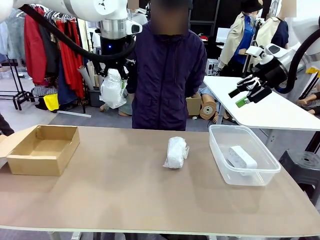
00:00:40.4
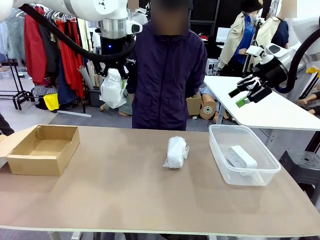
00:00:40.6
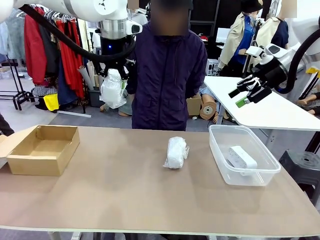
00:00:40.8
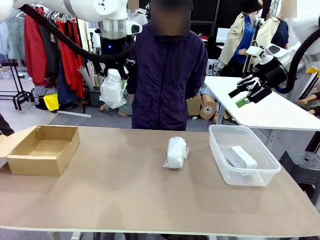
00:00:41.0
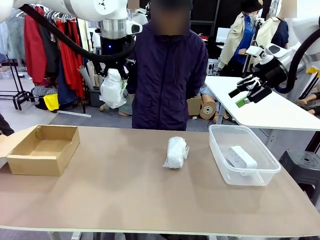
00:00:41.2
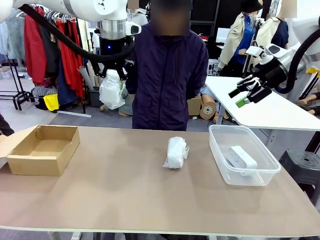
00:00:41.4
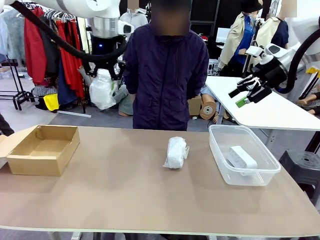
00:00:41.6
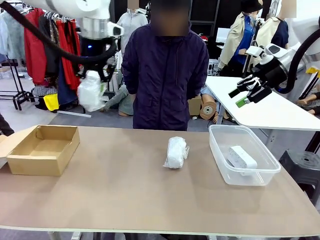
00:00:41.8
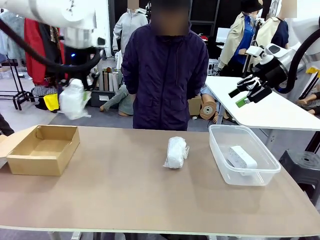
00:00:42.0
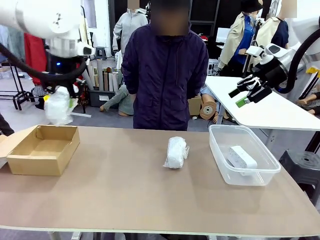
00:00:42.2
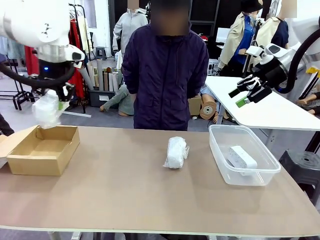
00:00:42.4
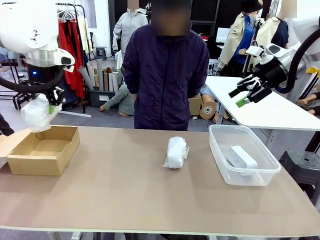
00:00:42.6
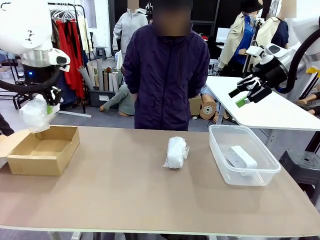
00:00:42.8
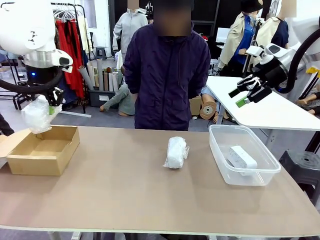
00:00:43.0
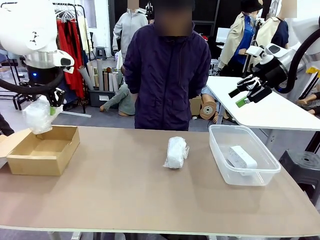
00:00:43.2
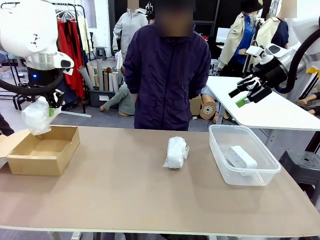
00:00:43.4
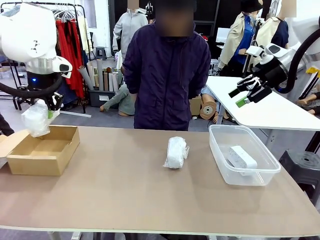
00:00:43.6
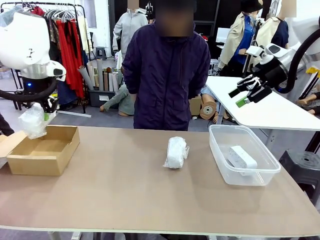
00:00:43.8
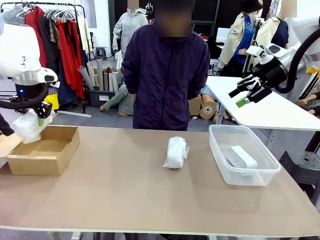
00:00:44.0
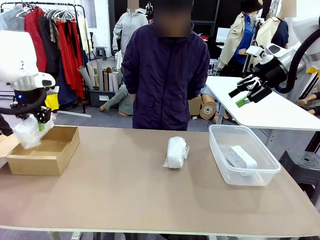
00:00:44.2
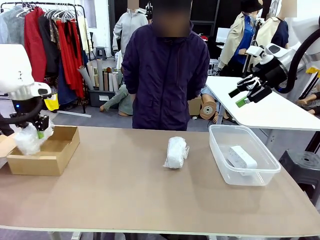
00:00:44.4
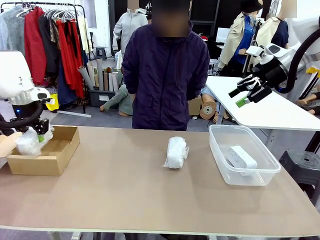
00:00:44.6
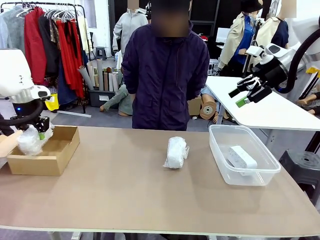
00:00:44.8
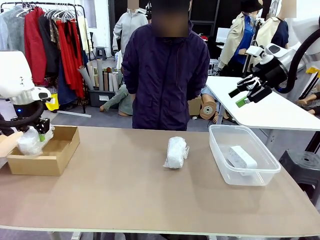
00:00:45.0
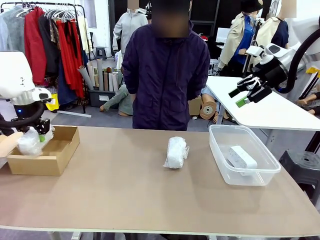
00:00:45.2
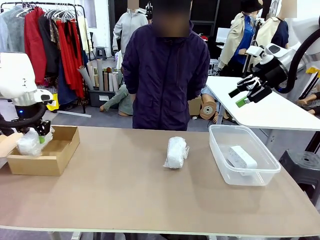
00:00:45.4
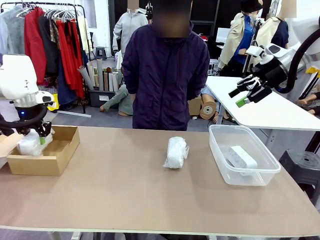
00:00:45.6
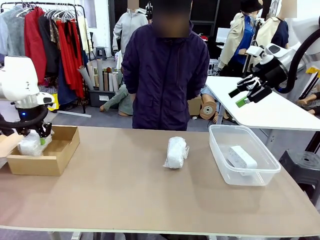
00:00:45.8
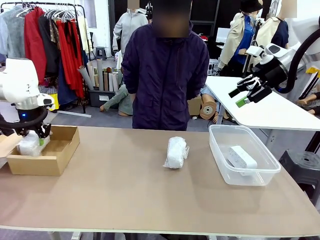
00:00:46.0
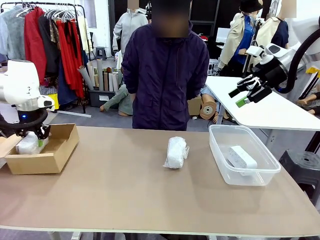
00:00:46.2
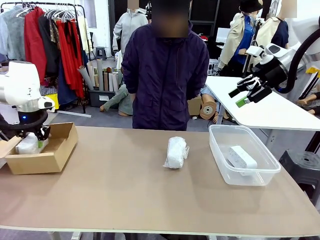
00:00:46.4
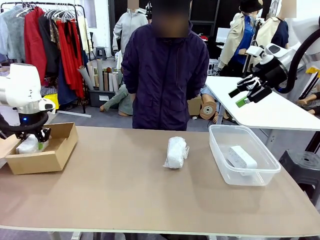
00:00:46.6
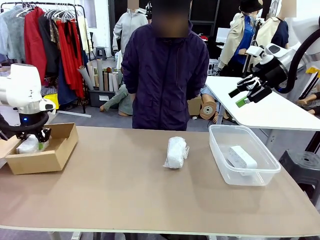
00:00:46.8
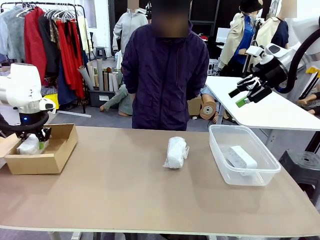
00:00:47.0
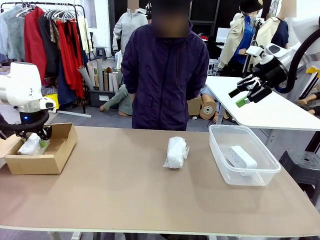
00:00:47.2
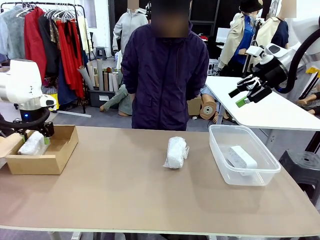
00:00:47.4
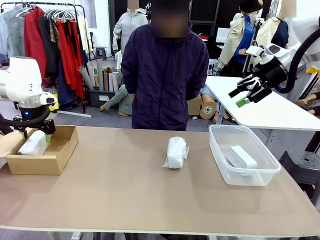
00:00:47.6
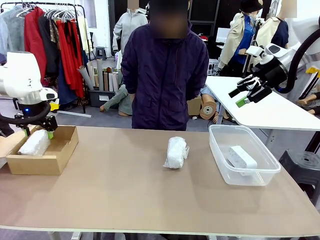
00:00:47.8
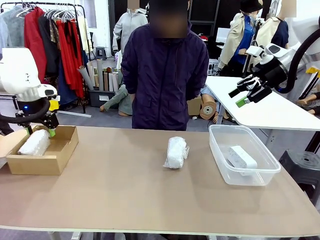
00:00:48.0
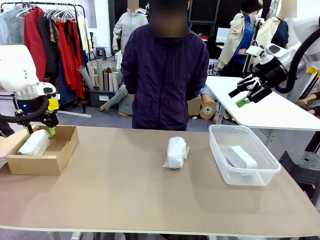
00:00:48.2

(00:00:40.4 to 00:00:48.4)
Task: Separate and place wrapped and unwrapped clocks.
Robot: If the picked Digital clock is wrapped, place it in the Package Box ; if not, place it in the Organizing box.

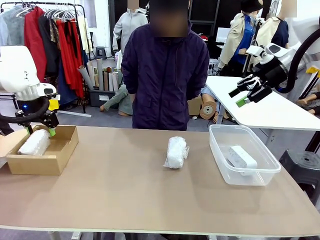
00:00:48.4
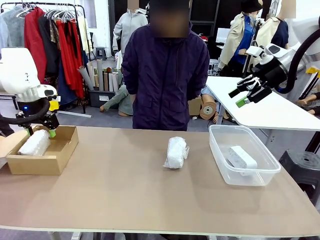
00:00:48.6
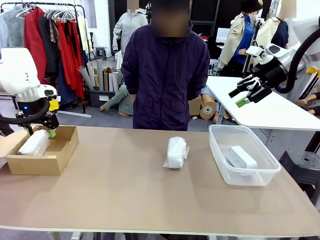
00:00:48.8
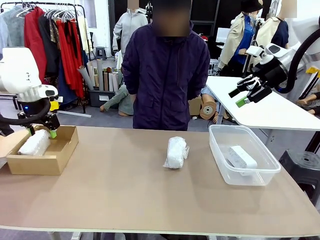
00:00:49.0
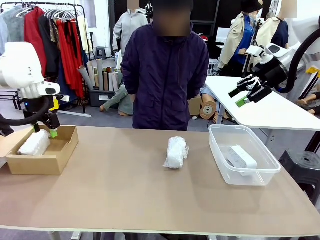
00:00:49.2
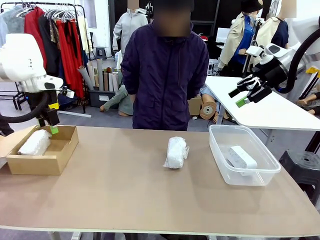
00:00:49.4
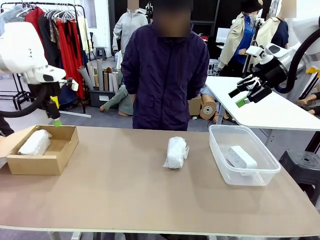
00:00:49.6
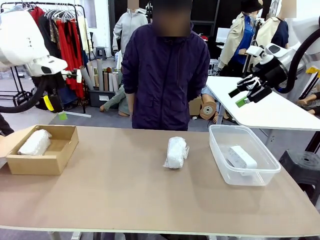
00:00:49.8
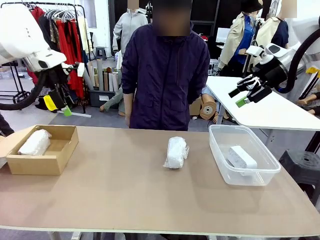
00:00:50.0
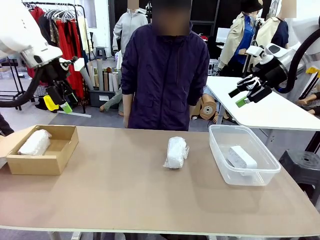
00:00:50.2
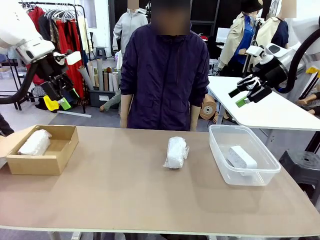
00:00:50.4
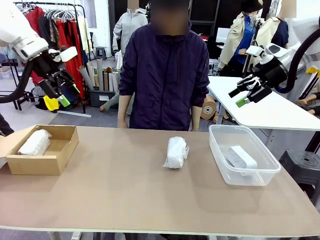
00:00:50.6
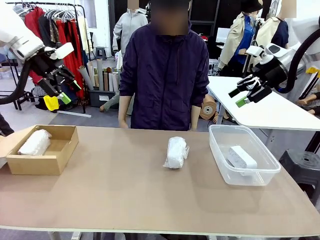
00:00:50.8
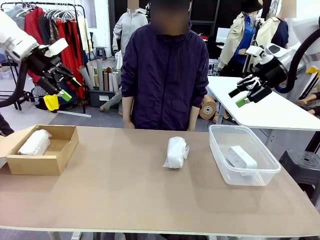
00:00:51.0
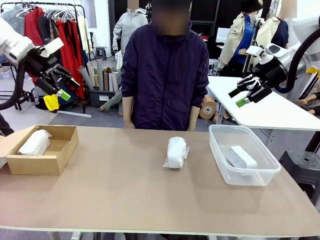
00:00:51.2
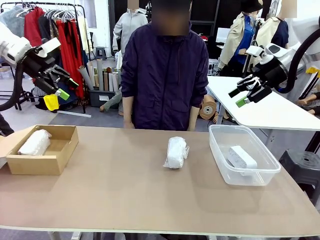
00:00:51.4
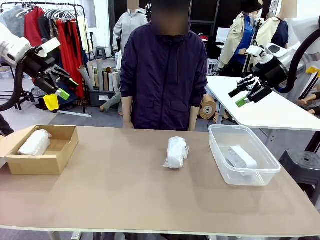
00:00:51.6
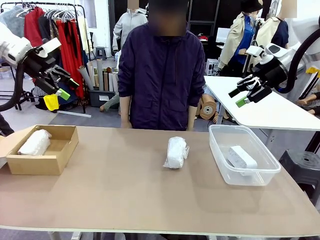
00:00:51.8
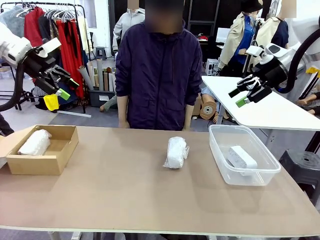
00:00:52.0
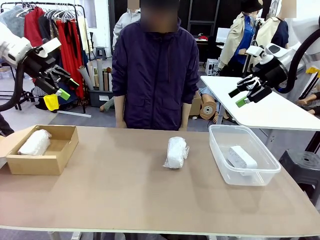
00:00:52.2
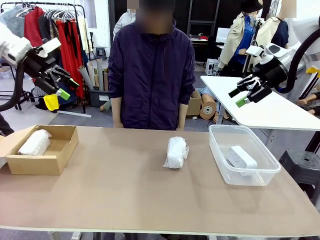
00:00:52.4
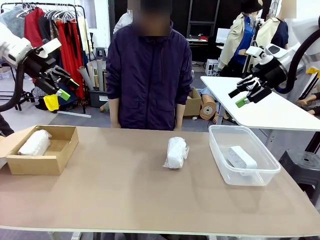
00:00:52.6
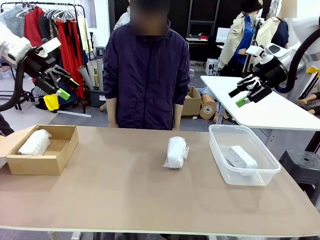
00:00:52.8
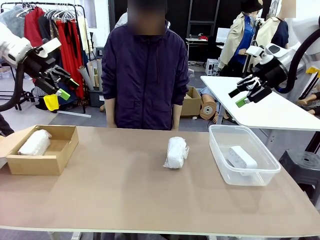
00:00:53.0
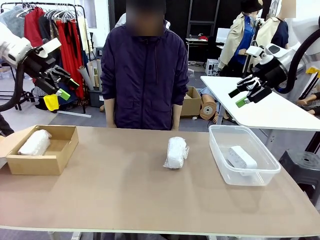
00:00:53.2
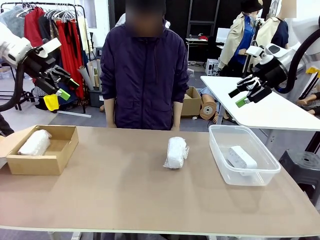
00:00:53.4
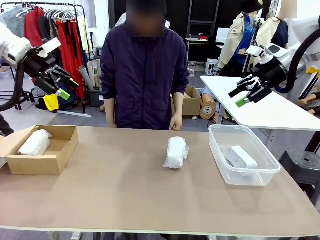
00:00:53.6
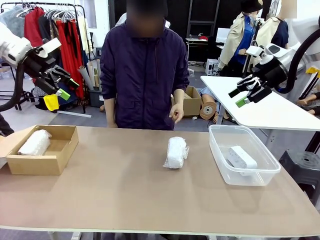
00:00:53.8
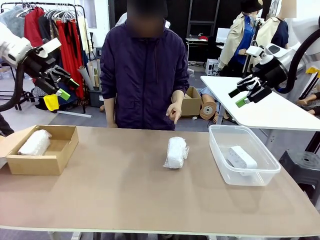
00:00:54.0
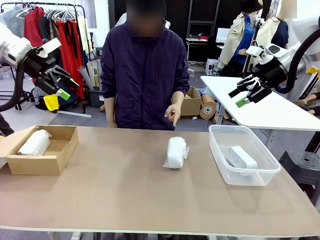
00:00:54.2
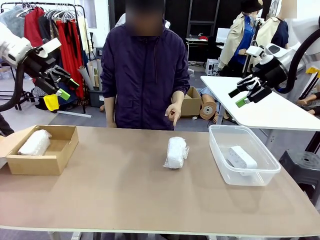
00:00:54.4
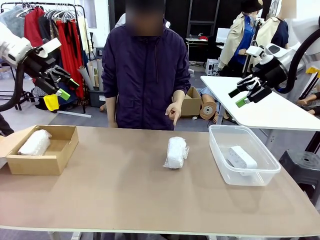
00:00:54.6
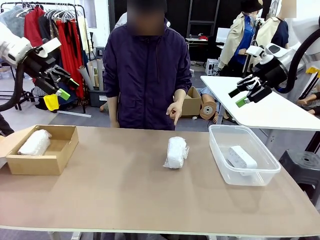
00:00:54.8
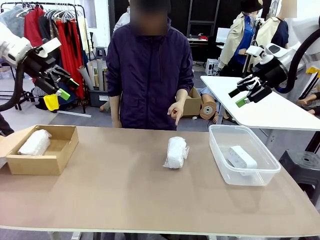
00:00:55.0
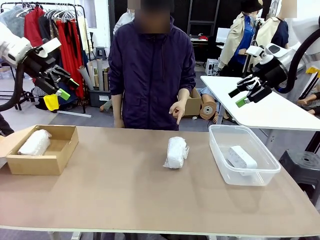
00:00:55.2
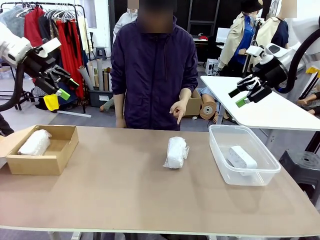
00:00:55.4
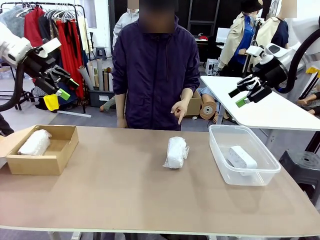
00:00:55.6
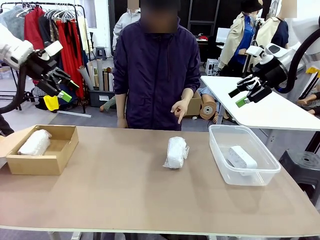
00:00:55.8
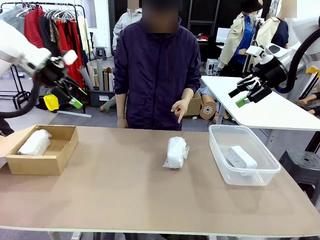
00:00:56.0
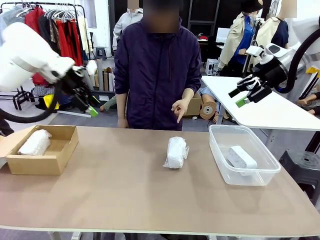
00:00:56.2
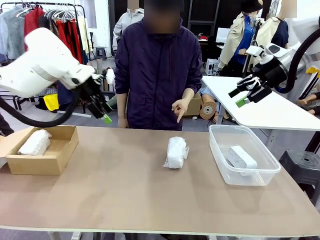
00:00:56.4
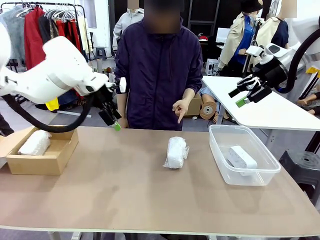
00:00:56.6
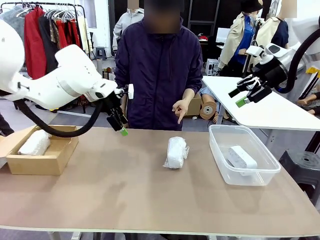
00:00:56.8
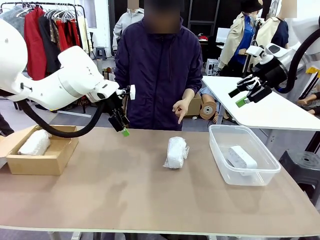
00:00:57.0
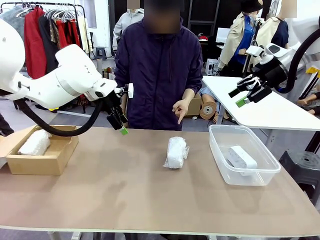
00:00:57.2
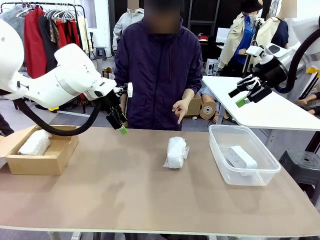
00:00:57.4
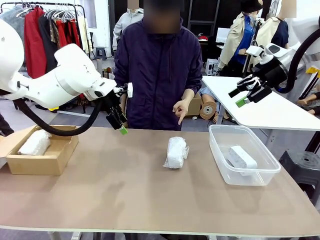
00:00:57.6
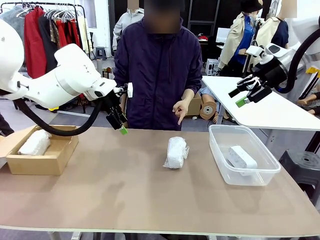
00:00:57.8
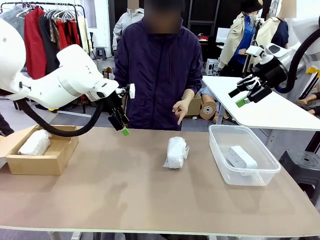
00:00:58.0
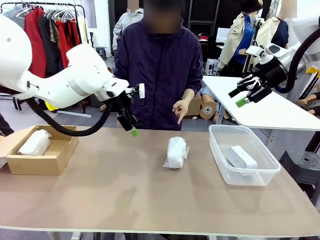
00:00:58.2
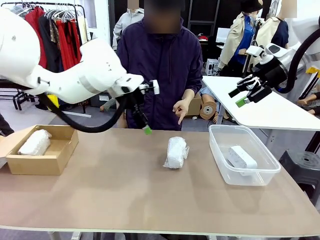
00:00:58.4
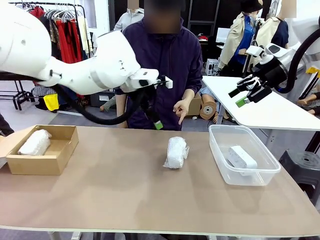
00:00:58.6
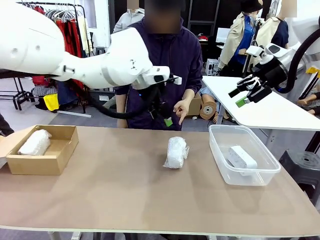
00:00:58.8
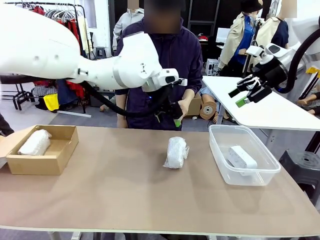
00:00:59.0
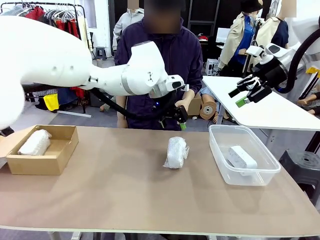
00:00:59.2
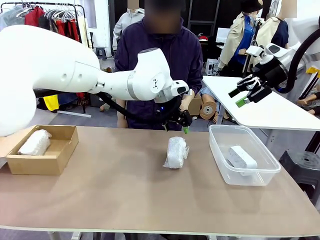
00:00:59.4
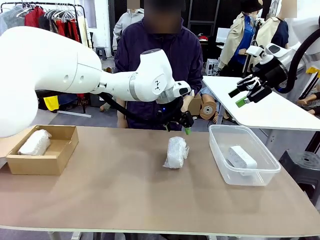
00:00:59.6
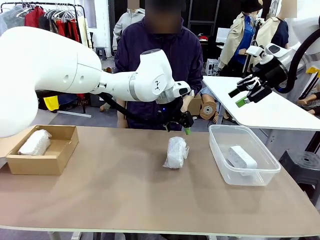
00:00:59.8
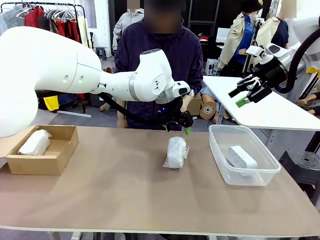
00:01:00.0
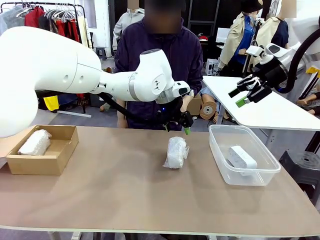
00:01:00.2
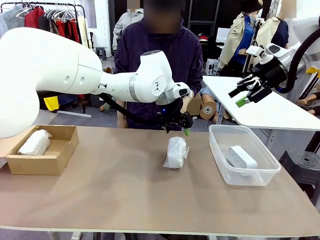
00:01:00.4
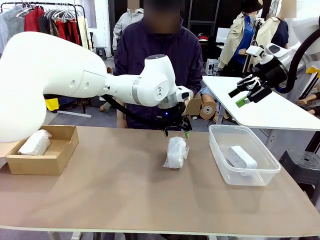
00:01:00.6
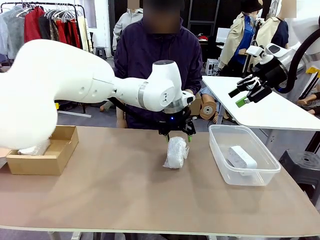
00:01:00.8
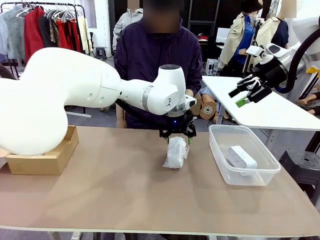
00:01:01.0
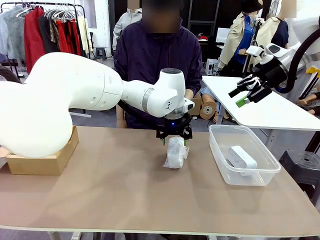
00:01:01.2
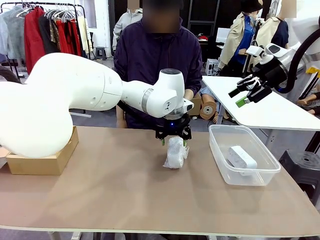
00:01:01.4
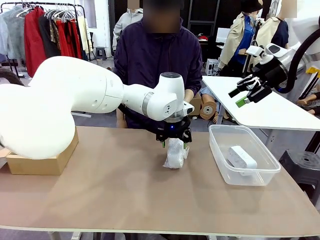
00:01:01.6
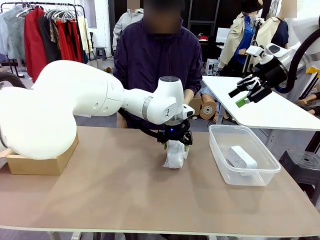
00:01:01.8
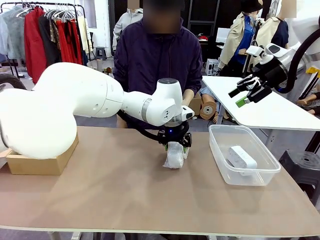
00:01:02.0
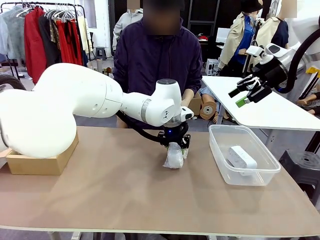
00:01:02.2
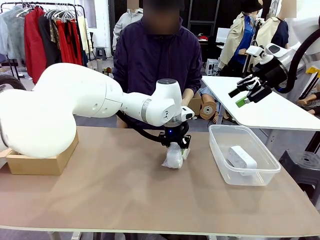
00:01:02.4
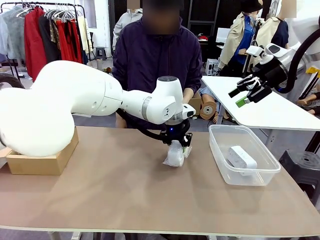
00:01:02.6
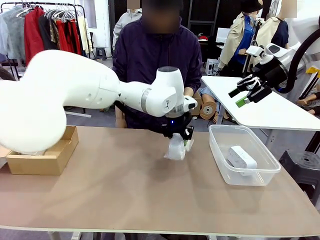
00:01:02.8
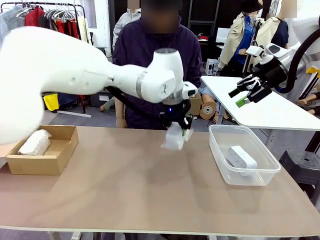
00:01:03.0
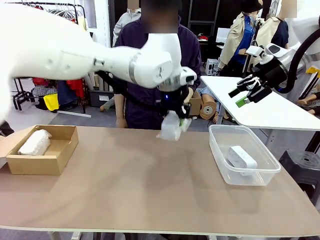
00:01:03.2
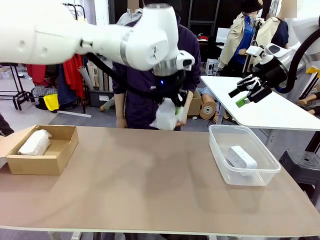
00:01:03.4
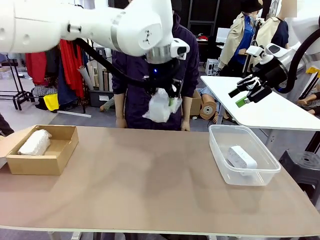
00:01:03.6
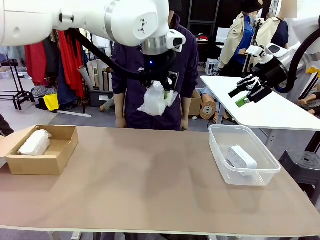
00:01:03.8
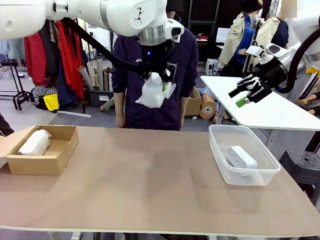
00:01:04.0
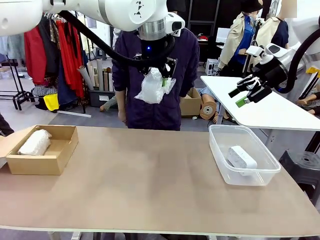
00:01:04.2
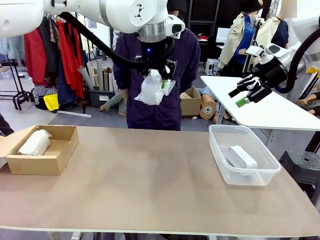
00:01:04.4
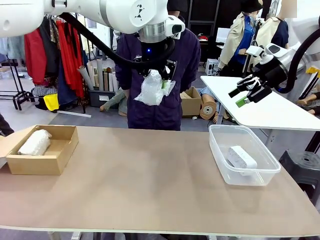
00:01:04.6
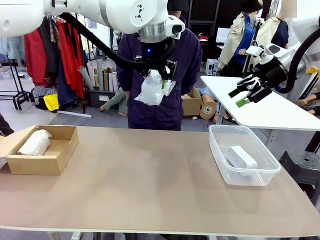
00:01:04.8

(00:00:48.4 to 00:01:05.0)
Robot: Pick up the Digital clock indicated by the person.
